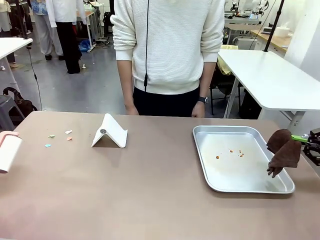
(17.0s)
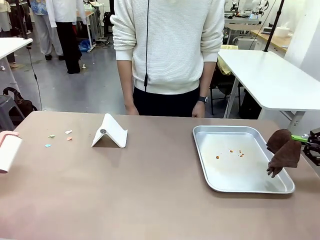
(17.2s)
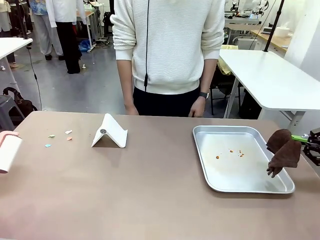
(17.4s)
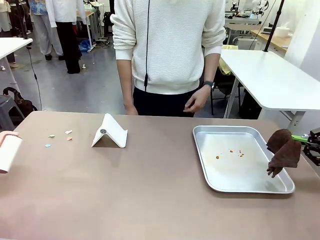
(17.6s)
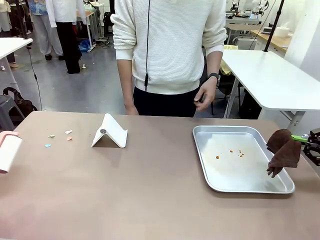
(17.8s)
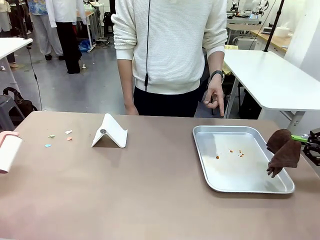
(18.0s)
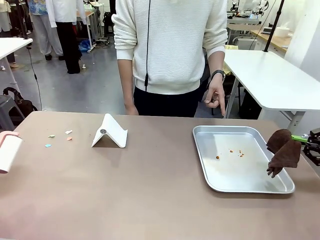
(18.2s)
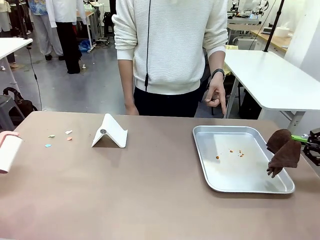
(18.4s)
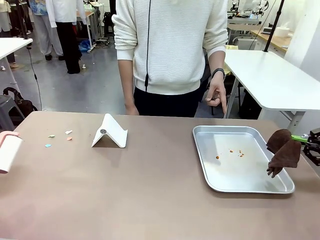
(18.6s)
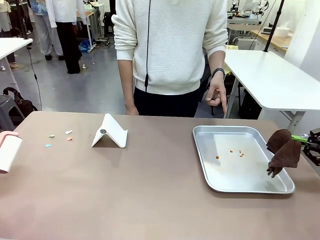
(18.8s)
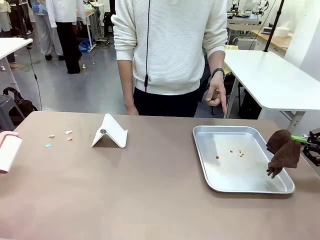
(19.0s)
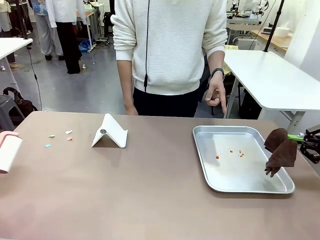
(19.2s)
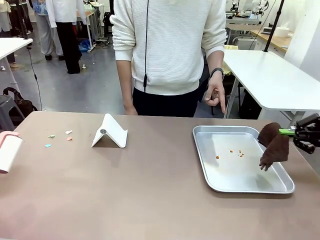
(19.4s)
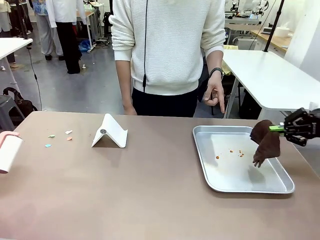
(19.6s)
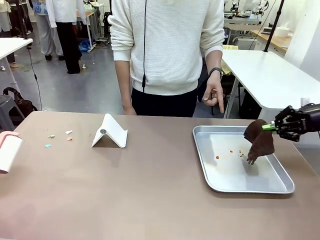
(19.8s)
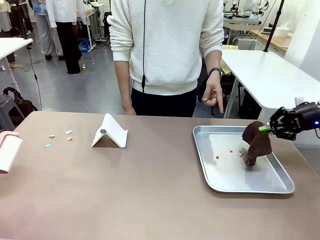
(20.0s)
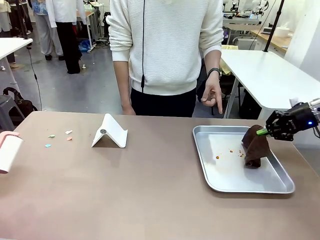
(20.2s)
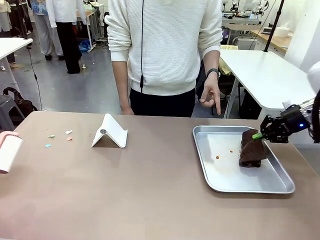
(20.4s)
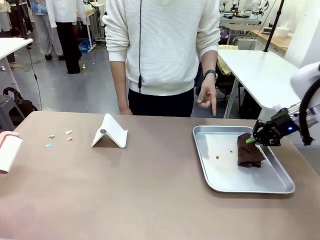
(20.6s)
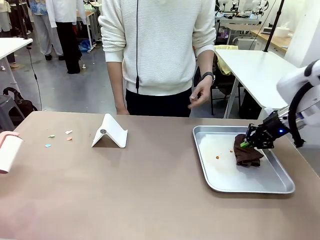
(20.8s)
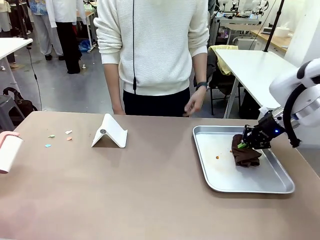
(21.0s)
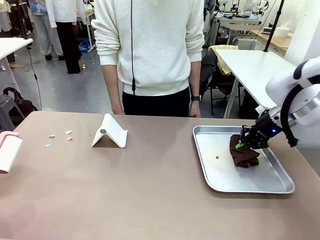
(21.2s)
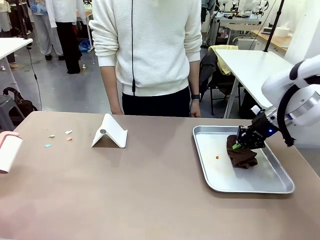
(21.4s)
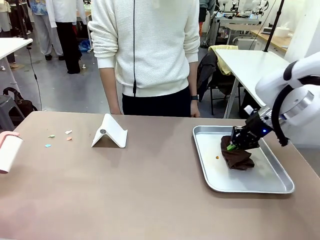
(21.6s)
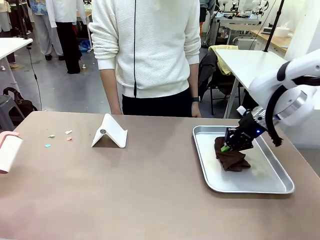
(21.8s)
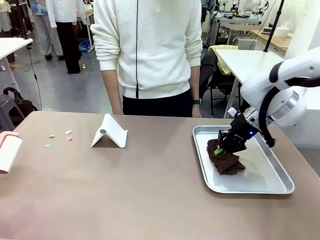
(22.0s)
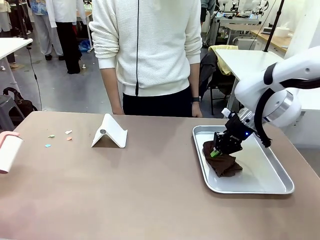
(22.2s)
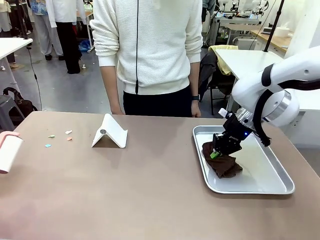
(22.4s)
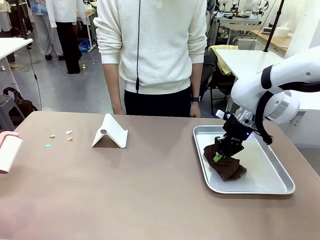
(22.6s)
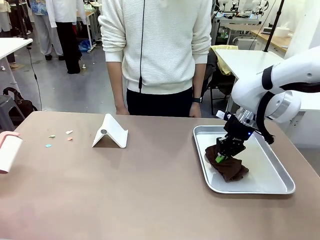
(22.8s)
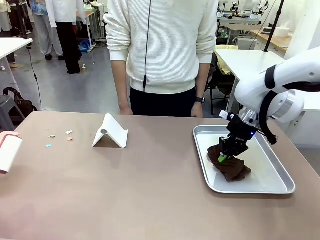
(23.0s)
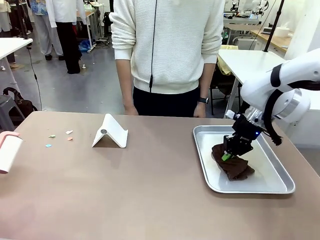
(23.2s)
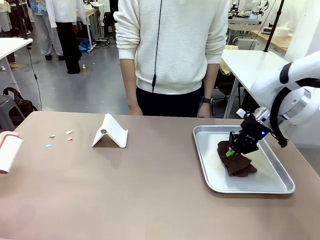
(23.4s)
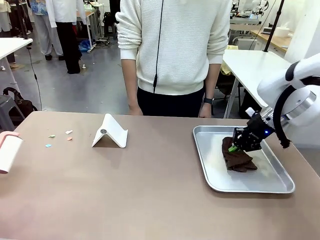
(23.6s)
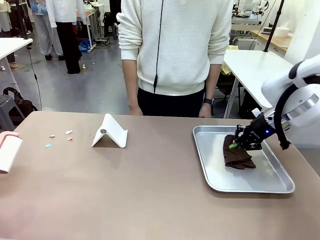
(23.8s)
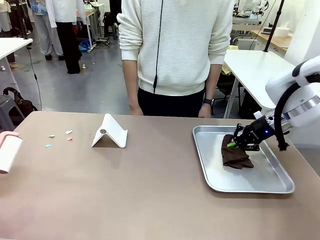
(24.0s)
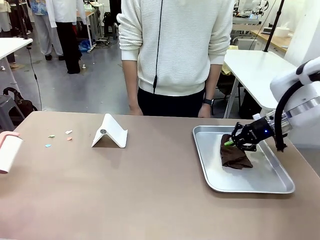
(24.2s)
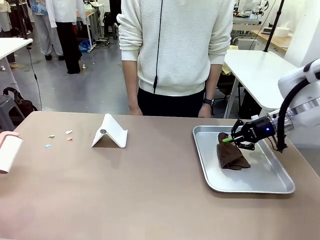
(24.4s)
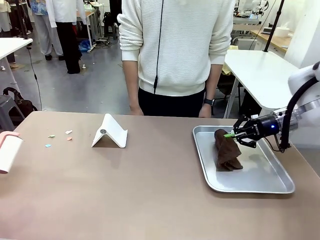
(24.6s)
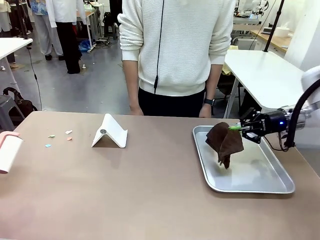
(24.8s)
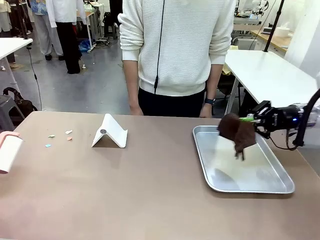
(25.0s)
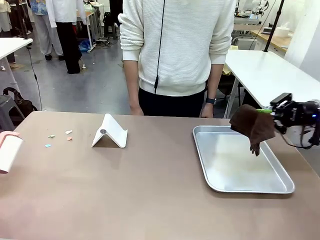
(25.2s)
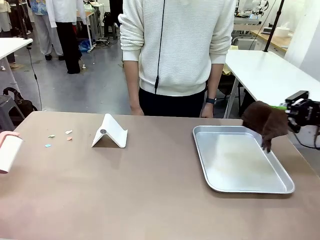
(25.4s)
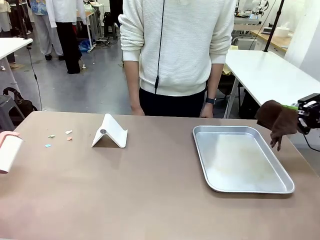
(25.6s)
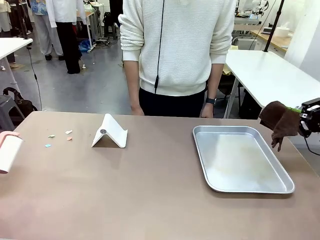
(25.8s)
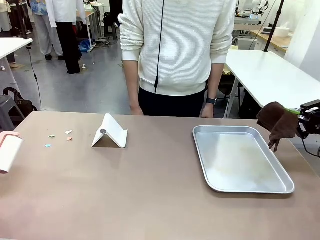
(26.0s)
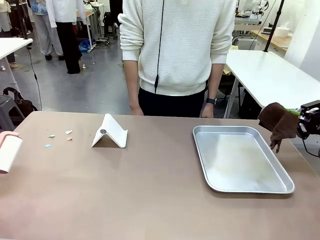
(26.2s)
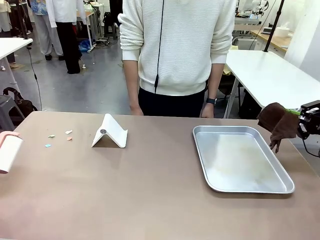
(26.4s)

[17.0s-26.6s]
Task: Clean the surface of the table.
Robot: If a person points to the right, clean the right side of the table with your right hand, and if they point to the left, clean the left side with your left hand.

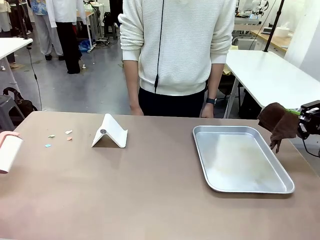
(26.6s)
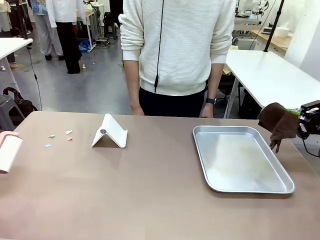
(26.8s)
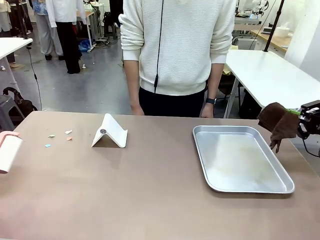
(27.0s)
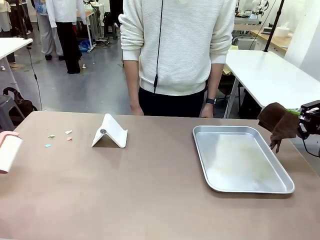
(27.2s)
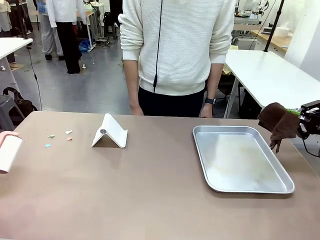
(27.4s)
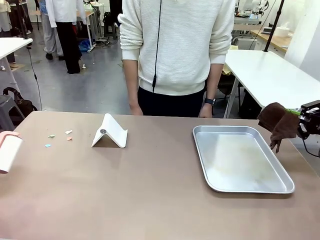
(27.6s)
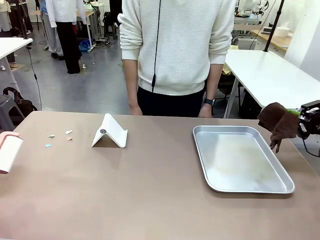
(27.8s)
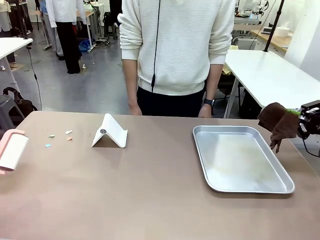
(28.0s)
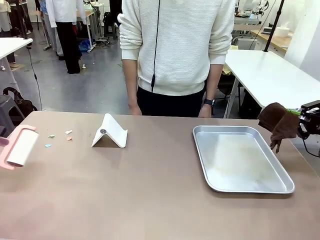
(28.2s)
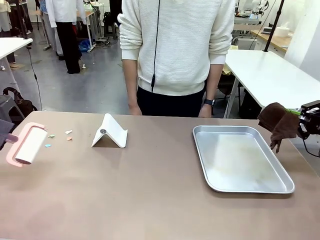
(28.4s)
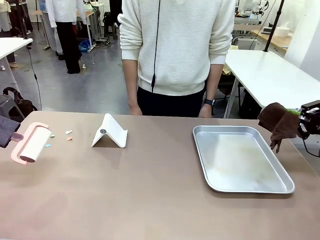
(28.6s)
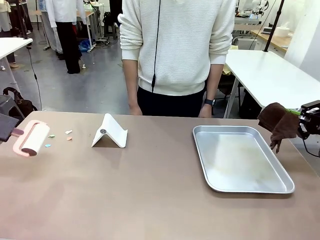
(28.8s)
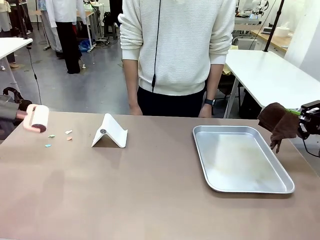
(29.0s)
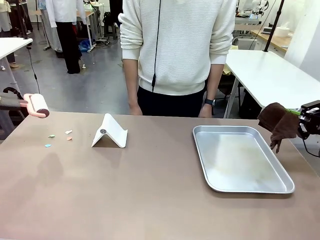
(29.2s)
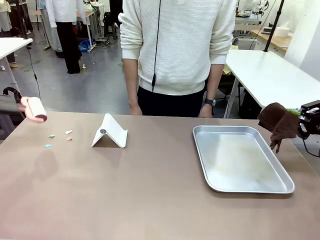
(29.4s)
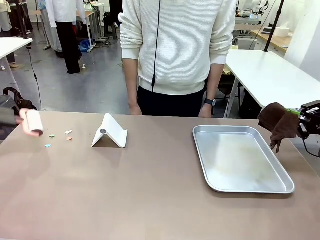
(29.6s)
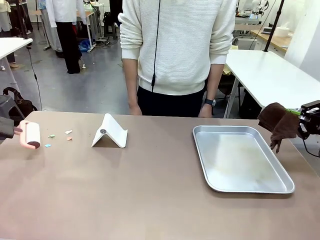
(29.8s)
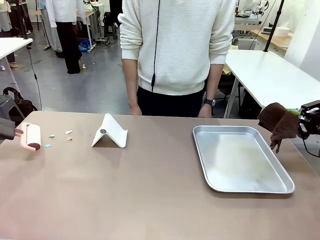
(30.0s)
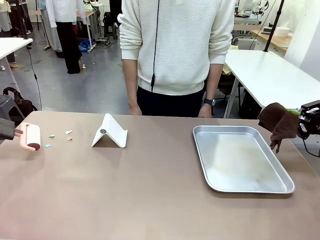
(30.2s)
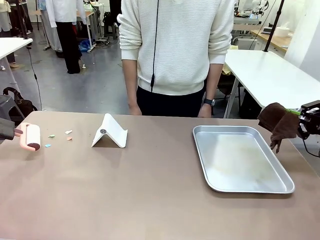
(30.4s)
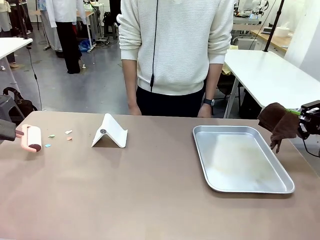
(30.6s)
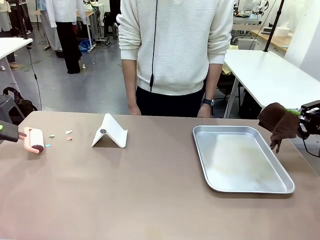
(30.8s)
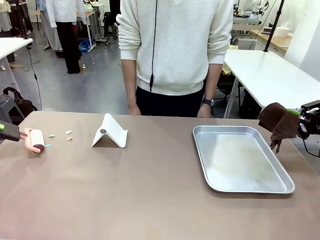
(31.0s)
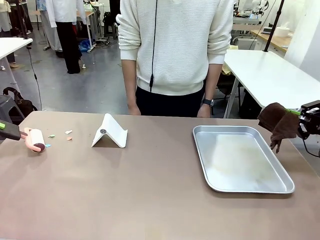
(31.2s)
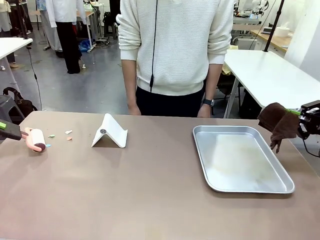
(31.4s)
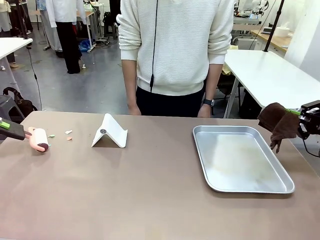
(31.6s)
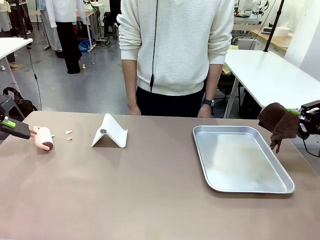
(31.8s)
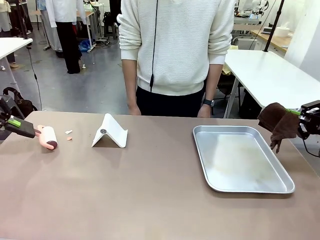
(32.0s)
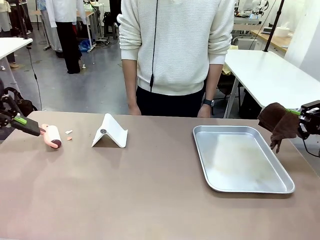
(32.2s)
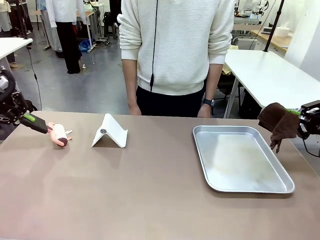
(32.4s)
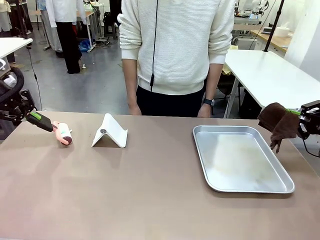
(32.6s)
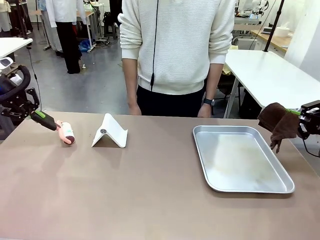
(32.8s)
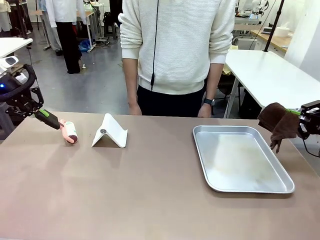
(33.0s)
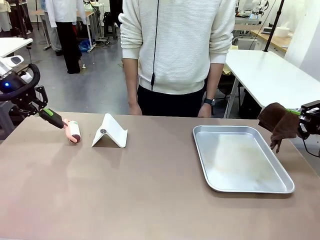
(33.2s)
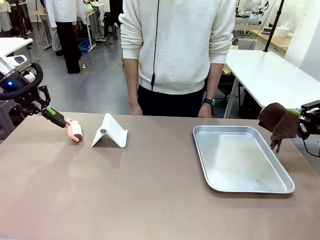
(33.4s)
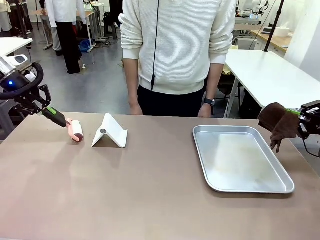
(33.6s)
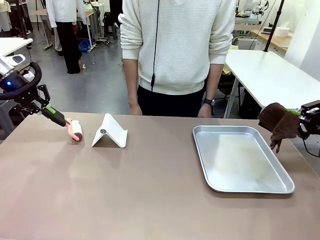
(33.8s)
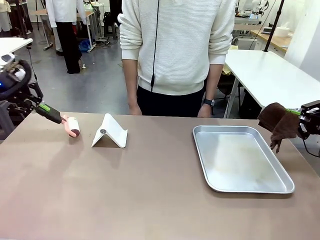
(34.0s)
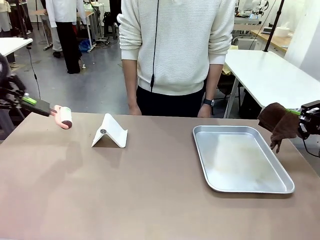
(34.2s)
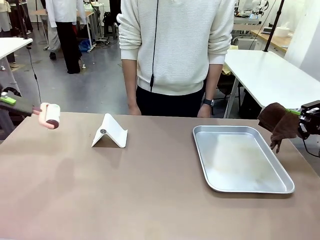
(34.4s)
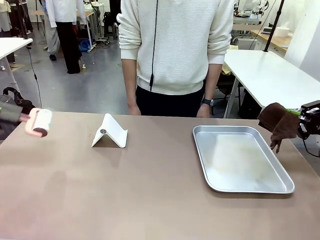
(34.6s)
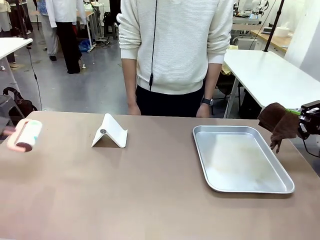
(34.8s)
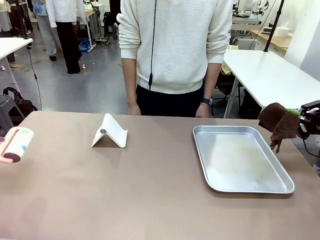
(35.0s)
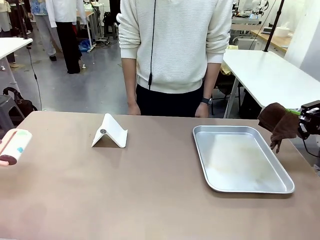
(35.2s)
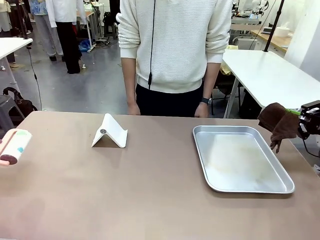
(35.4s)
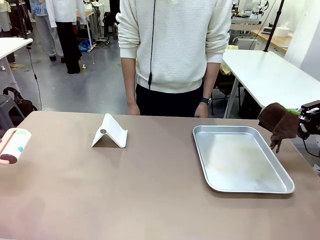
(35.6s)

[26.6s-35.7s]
Robot: Clean the area not pointed to by the person.
